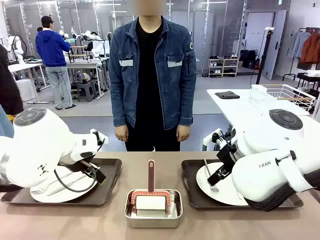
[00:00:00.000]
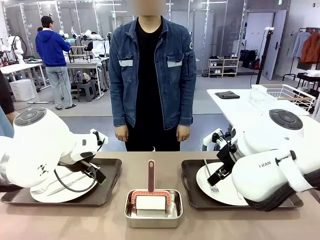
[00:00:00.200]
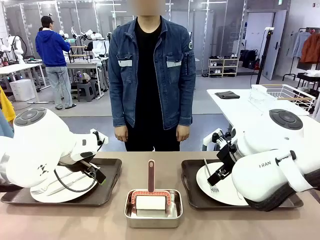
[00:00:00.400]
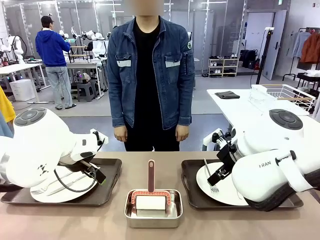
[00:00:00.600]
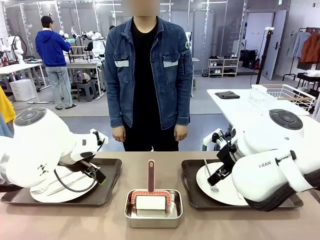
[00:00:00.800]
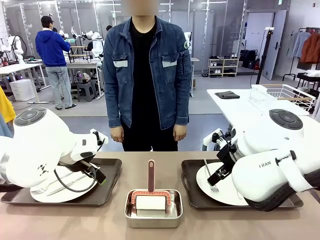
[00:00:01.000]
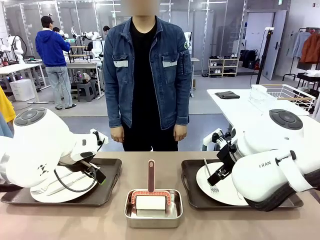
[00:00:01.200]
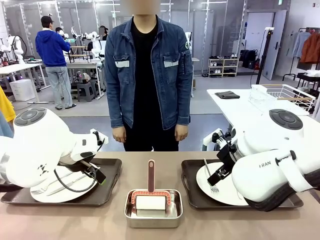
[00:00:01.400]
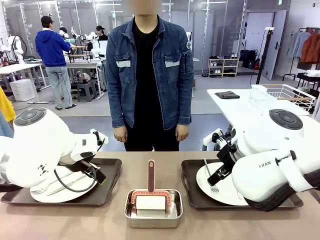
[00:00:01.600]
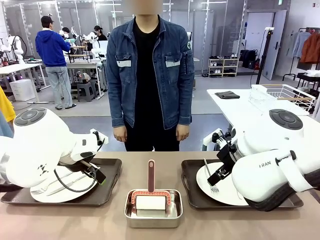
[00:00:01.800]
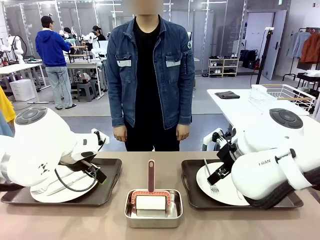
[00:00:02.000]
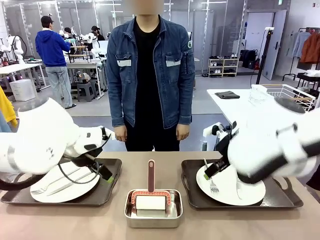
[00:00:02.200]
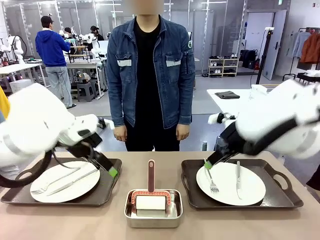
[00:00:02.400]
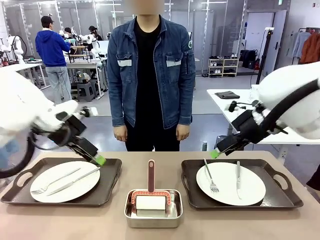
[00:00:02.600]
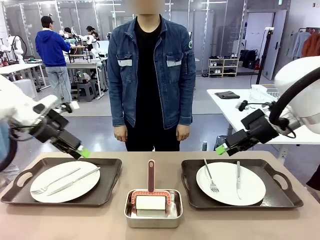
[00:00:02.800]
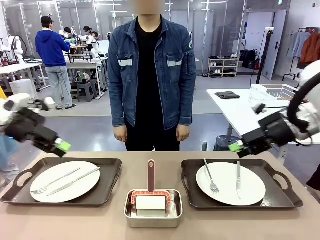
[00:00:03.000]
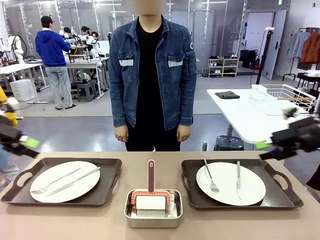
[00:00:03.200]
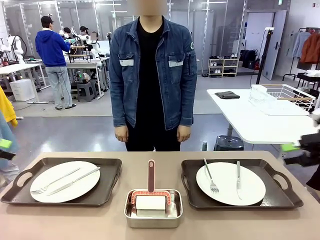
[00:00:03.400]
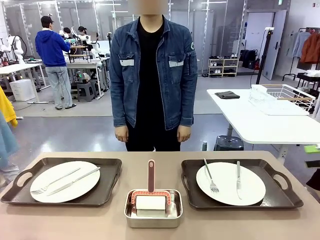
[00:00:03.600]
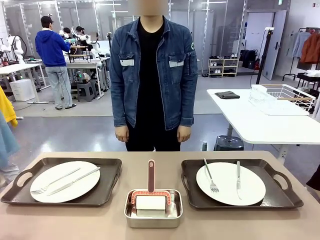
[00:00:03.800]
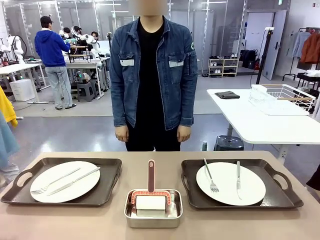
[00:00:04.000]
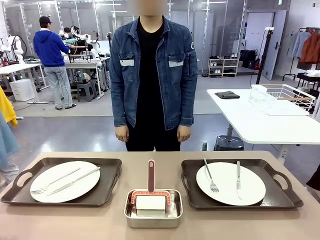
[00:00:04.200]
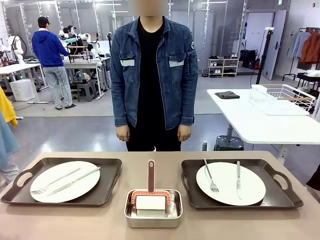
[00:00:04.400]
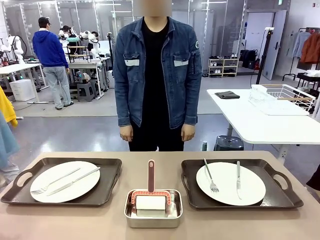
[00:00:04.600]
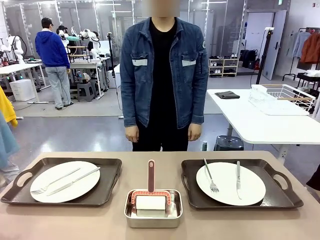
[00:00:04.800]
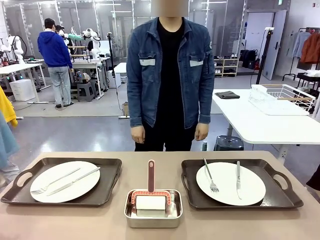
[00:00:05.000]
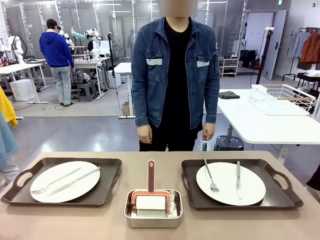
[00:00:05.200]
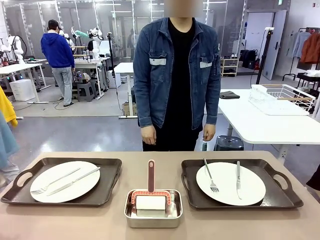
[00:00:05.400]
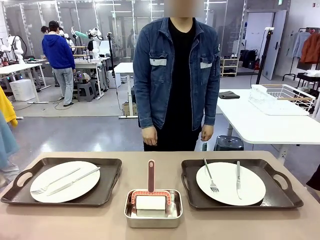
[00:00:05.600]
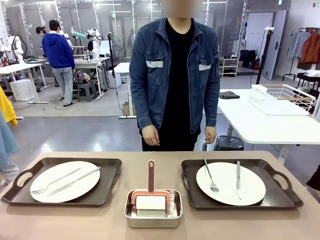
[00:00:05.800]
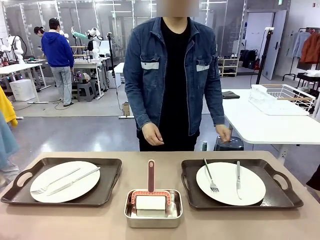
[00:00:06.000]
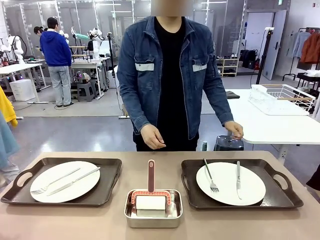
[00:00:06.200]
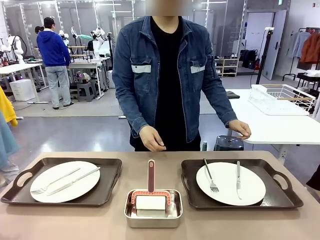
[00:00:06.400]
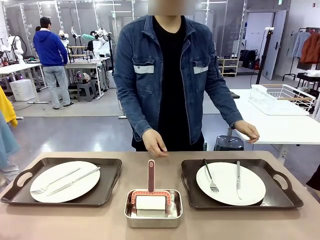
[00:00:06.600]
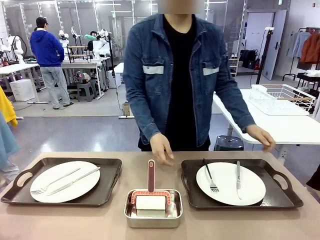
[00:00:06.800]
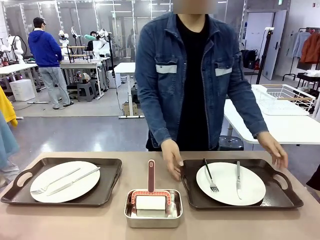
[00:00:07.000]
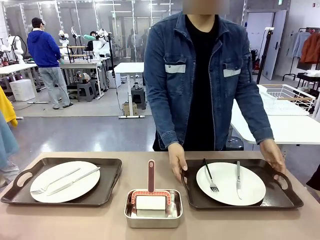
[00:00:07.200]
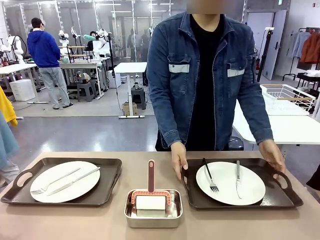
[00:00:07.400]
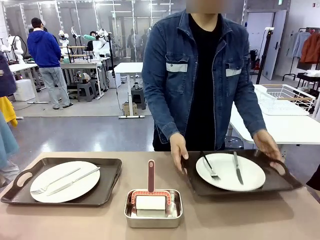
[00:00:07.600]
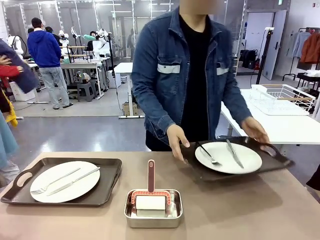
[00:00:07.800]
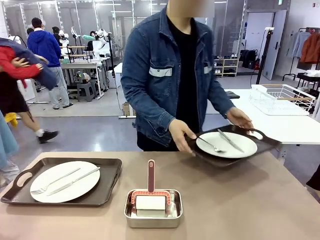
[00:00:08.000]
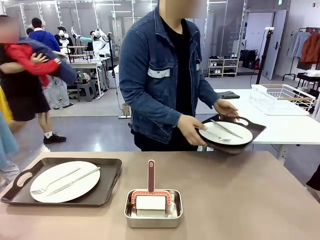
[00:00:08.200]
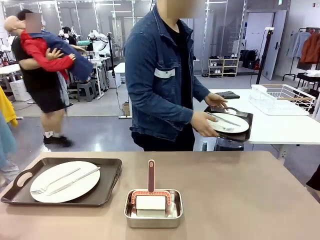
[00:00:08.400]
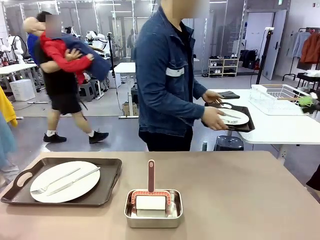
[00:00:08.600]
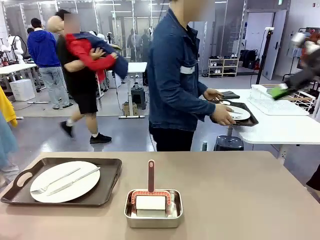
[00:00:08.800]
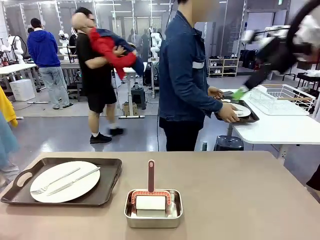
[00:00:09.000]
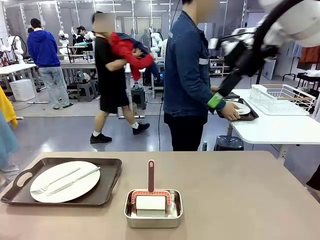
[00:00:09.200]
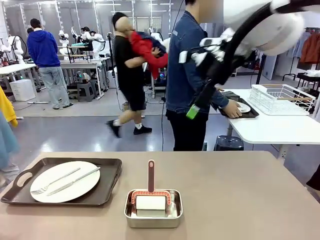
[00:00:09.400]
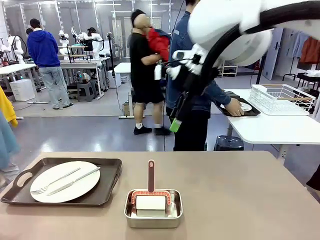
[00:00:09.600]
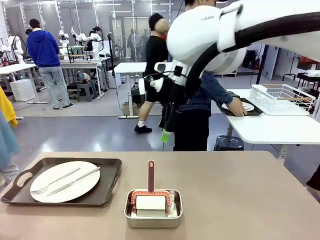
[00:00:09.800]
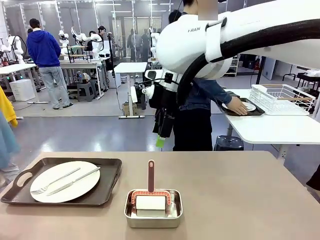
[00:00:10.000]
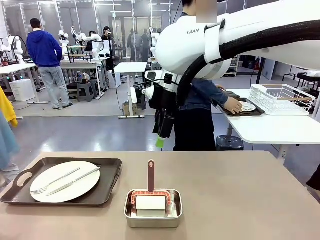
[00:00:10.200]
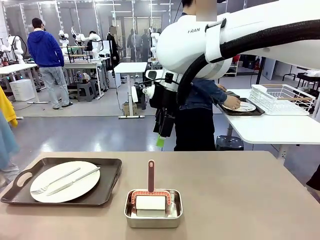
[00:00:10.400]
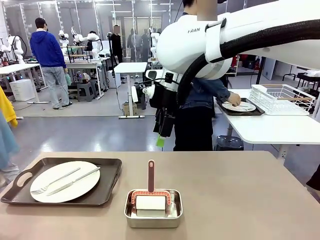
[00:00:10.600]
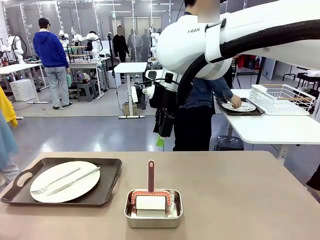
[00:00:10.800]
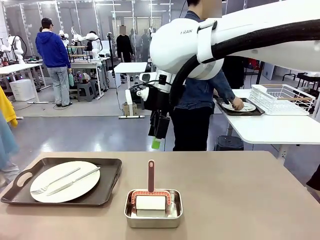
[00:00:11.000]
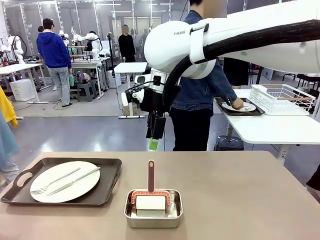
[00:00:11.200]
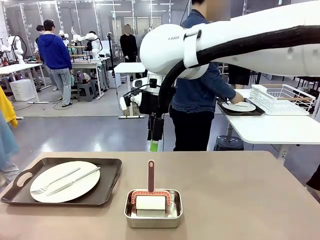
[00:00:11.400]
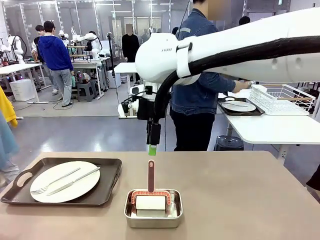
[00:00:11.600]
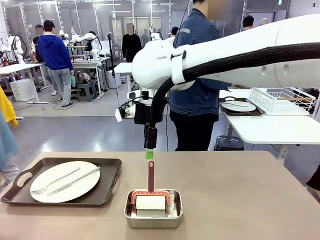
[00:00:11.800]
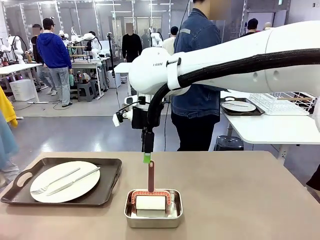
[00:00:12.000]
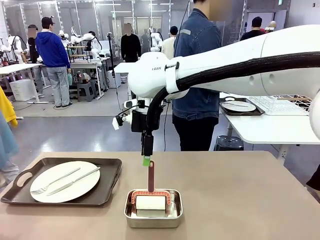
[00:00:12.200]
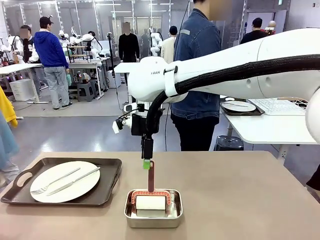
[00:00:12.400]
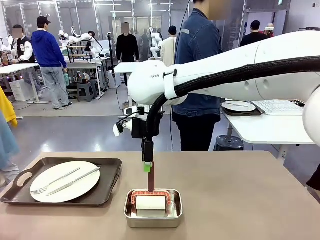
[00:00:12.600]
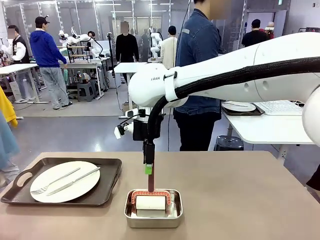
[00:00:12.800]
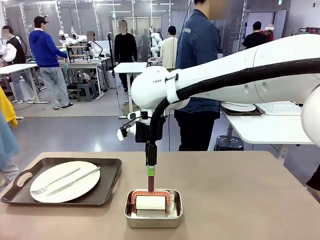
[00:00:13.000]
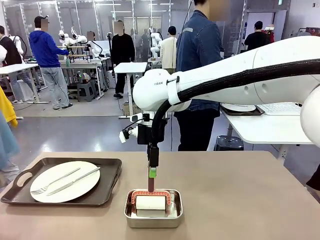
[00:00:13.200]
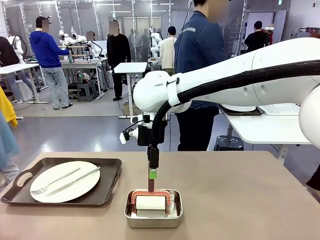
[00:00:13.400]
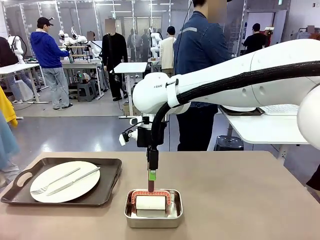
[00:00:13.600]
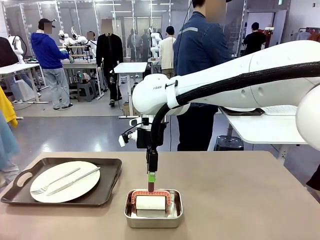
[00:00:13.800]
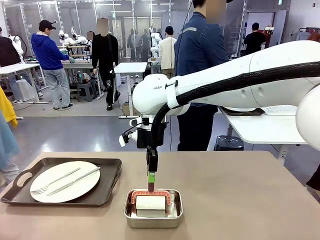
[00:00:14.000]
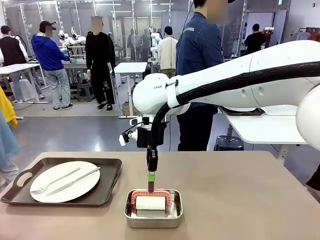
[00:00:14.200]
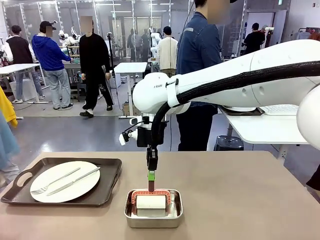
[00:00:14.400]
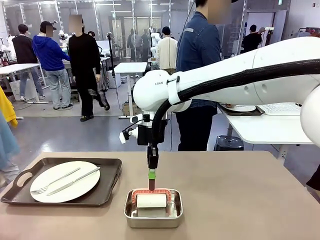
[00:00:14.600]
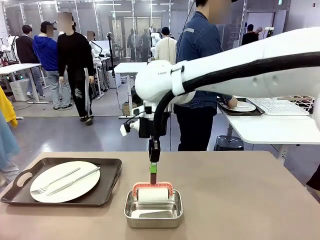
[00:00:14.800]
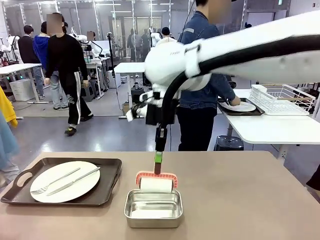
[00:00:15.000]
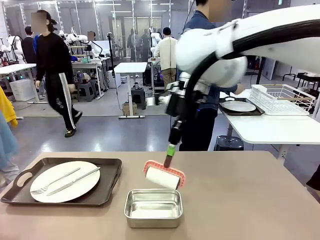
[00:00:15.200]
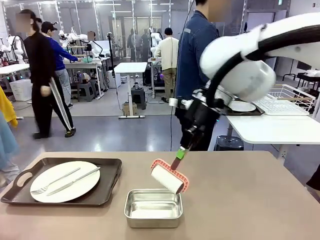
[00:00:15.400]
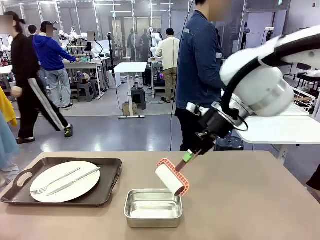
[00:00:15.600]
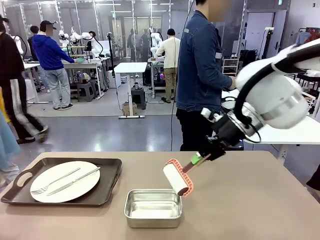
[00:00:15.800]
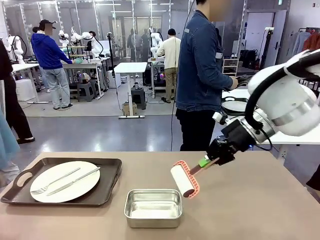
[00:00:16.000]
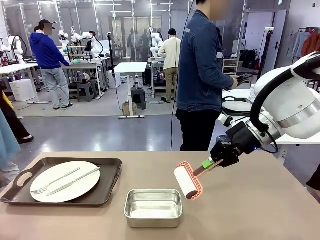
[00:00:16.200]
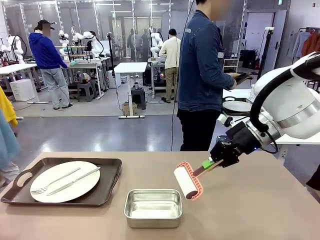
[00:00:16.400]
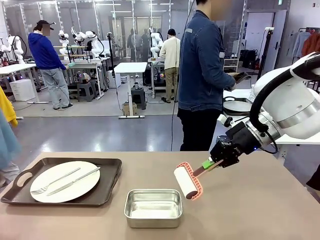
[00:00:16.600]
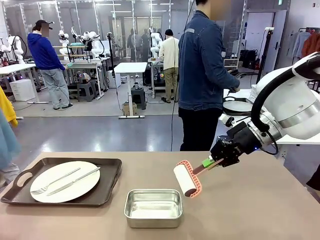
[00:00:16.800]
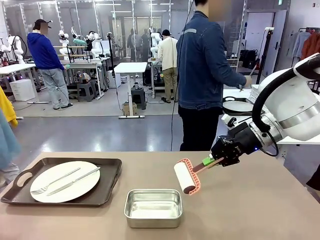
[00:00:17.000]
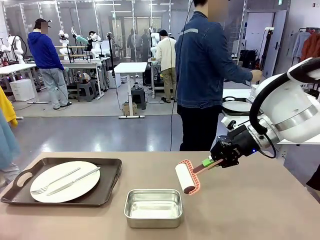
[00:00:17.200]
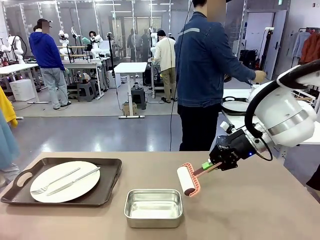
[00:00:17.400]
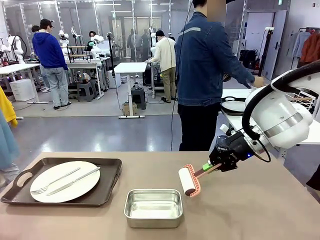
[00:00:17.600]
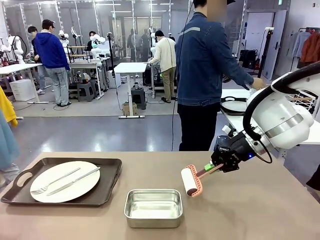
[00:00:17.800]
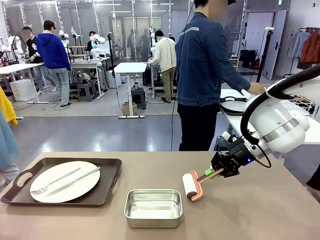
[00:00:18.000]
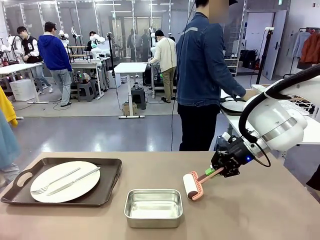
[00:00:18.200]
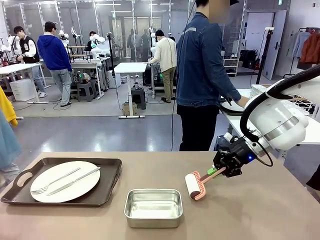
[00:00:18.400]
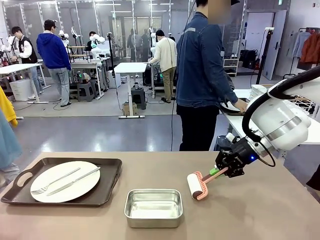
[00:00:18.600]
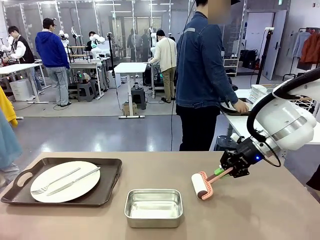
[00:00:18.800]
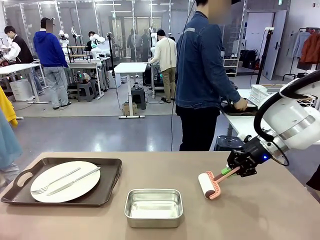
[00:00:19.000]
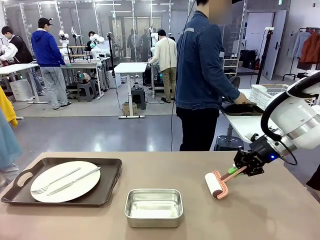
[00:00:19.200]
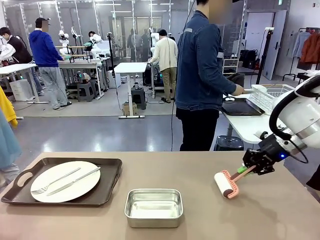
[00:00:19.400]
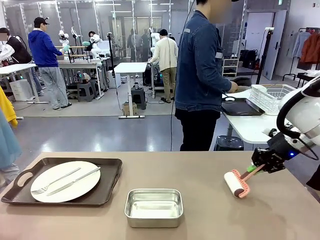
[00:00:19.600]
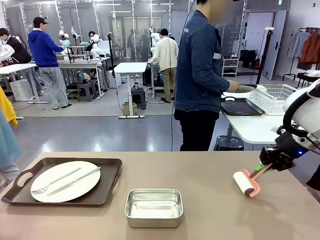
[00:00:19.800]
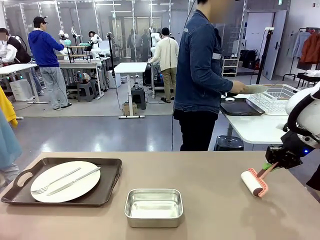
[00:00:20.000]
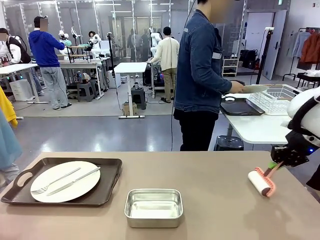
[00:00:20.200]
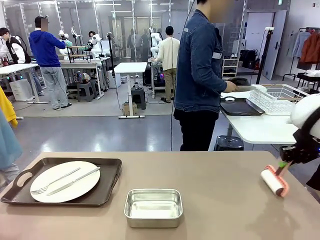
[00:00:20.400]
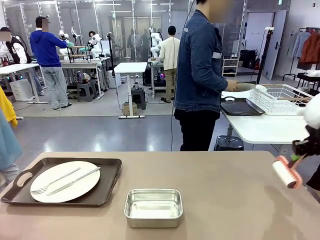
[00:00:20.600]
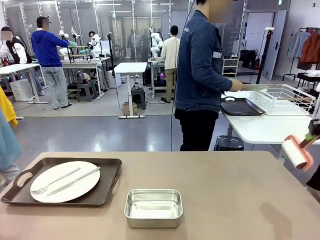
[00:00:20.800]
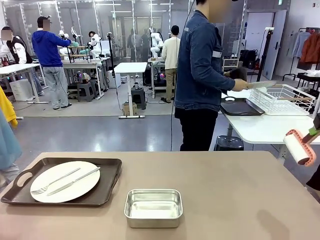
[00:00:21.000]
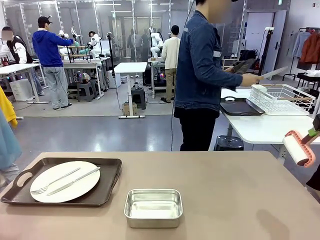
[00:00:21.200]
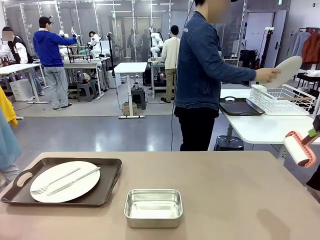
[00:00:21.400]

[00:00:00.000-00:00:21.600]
Robot: When the left (or right) Handle tray is removed, use the left hand (or right hand) to clean the left (or right) side of the table with the Lint Roller.
Person: Pick up the left (or right) Handle tray and place it on the middle of the Human's table. Use the Towel with hook to wipe the Plastic Matte Plate , Fork , and Knife and place into the Dish drying rack.
